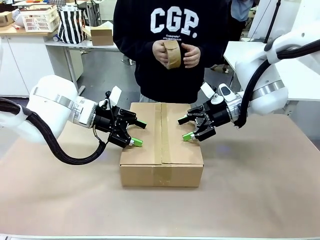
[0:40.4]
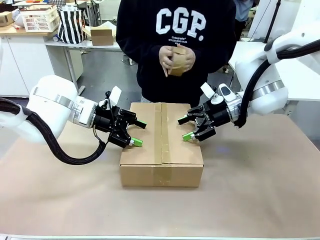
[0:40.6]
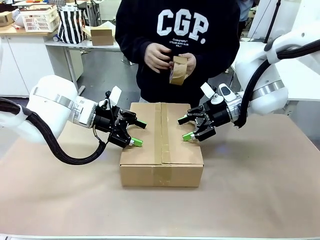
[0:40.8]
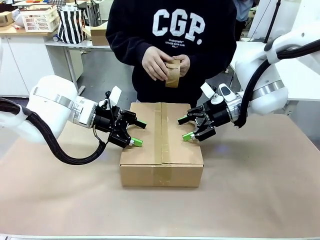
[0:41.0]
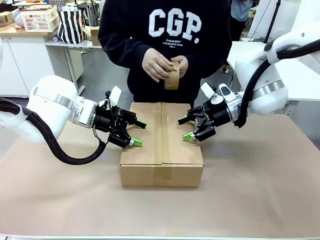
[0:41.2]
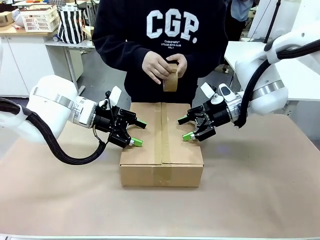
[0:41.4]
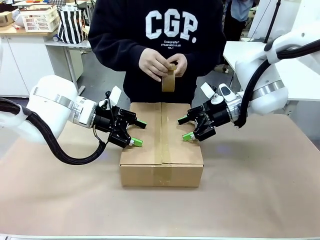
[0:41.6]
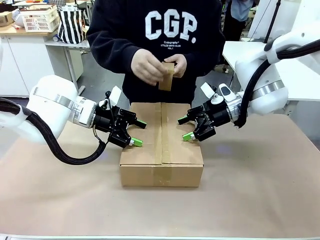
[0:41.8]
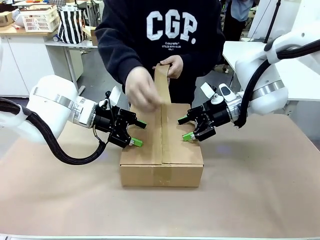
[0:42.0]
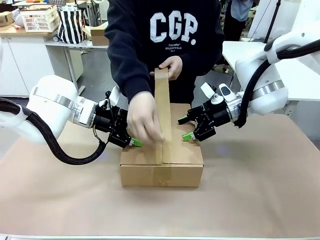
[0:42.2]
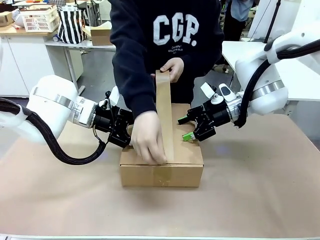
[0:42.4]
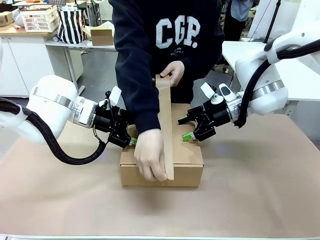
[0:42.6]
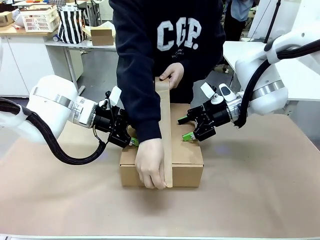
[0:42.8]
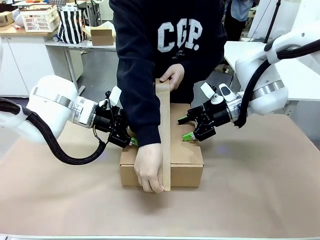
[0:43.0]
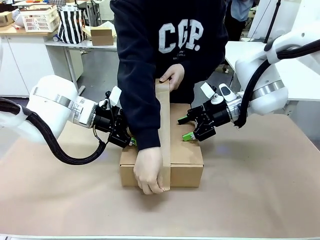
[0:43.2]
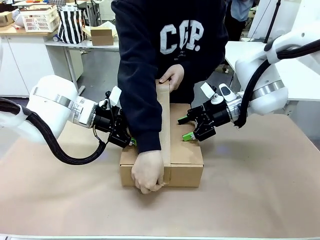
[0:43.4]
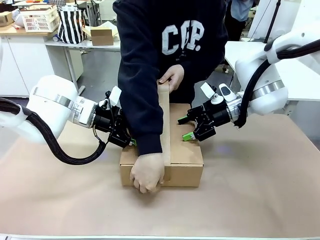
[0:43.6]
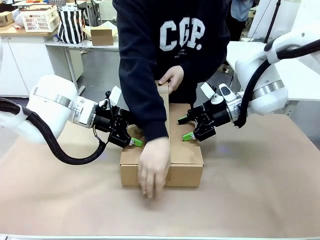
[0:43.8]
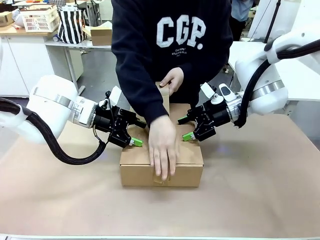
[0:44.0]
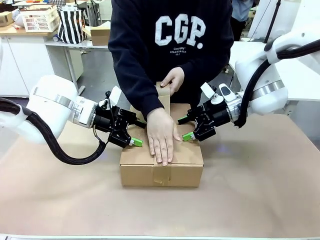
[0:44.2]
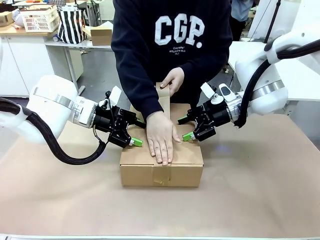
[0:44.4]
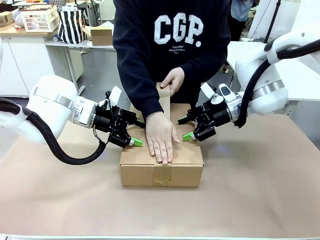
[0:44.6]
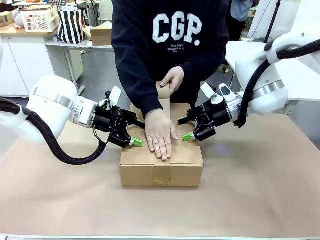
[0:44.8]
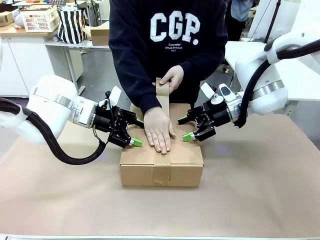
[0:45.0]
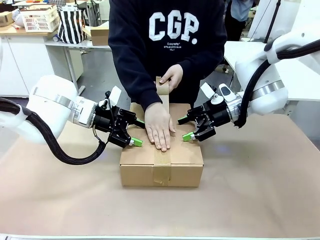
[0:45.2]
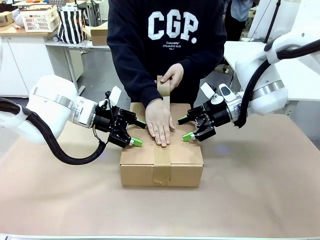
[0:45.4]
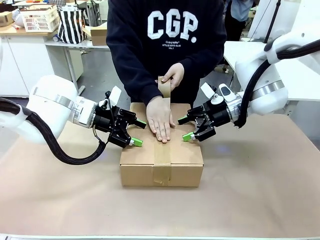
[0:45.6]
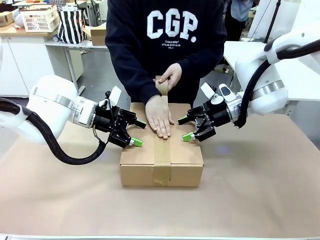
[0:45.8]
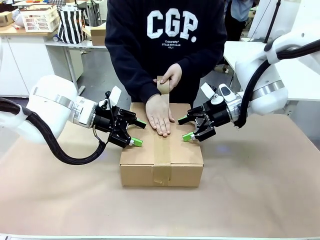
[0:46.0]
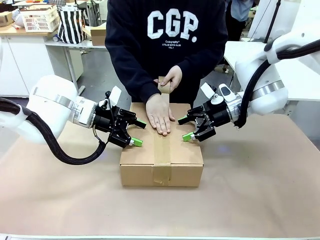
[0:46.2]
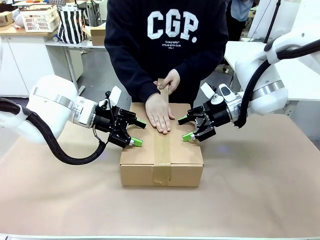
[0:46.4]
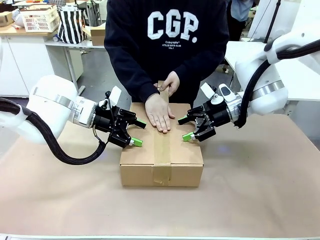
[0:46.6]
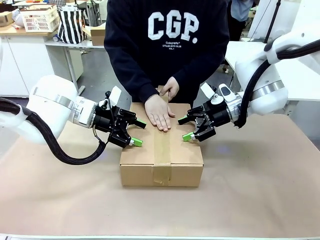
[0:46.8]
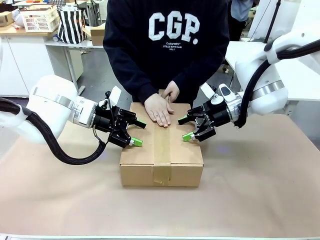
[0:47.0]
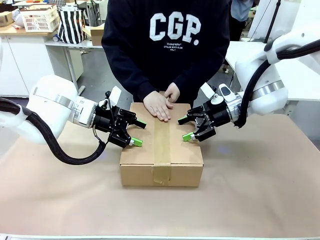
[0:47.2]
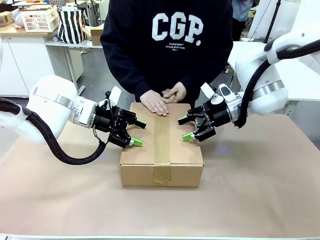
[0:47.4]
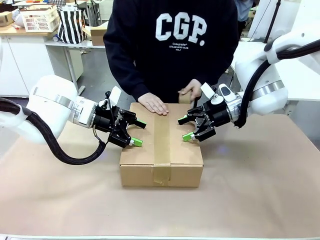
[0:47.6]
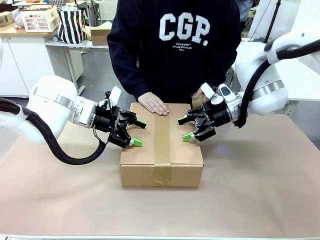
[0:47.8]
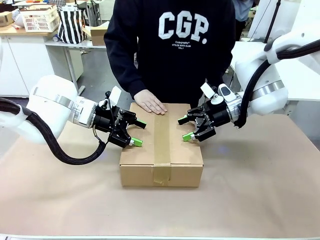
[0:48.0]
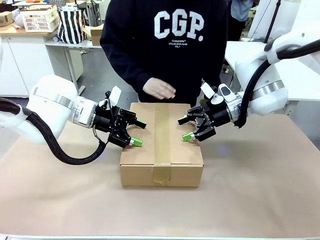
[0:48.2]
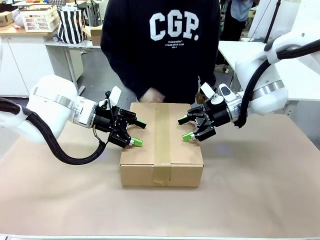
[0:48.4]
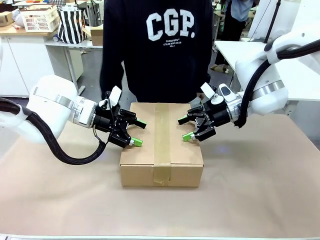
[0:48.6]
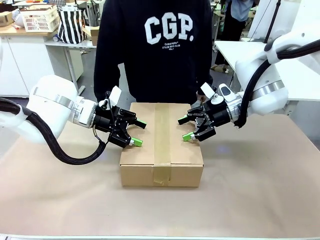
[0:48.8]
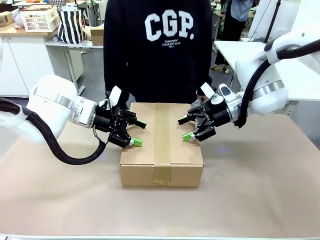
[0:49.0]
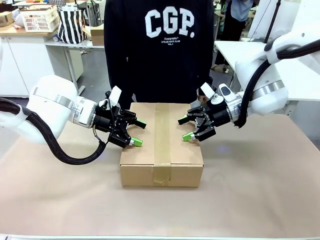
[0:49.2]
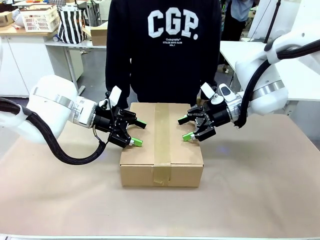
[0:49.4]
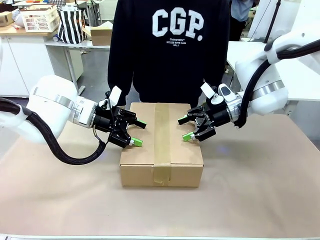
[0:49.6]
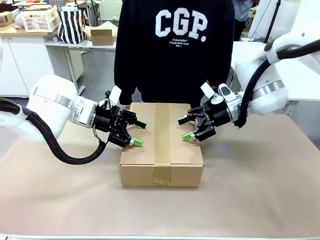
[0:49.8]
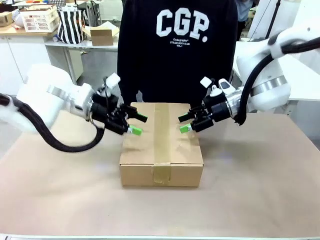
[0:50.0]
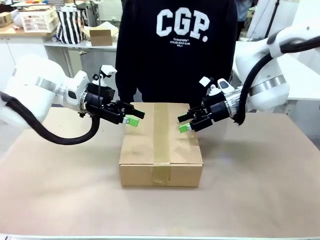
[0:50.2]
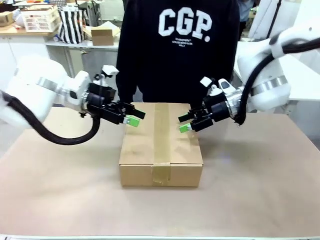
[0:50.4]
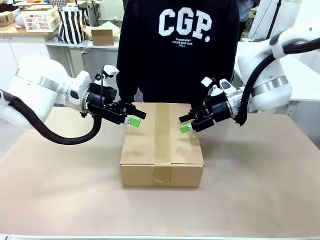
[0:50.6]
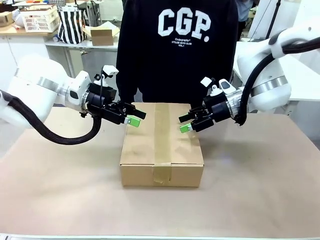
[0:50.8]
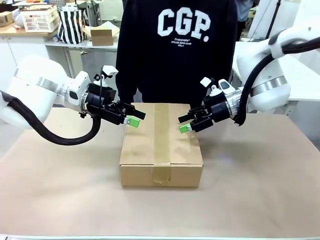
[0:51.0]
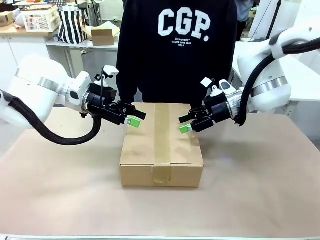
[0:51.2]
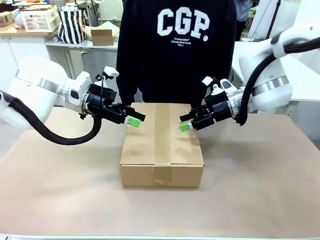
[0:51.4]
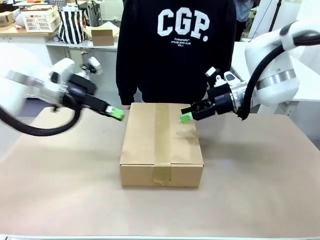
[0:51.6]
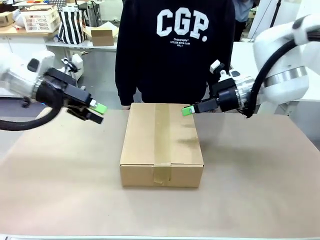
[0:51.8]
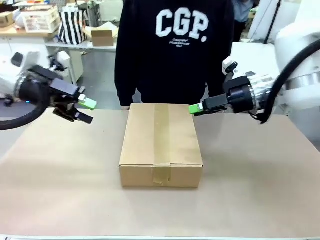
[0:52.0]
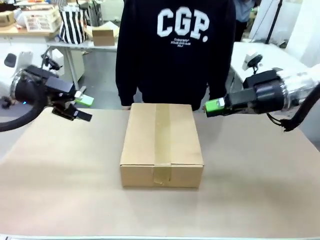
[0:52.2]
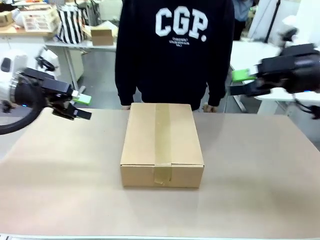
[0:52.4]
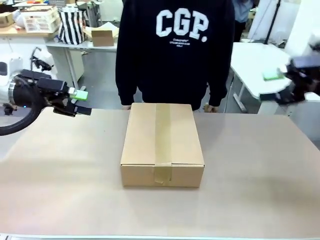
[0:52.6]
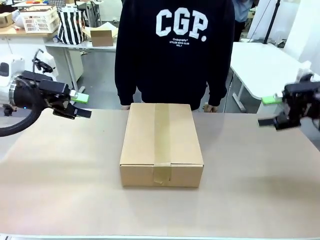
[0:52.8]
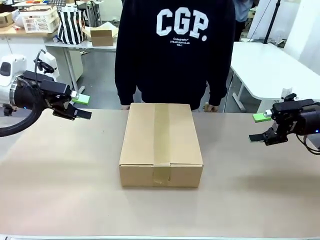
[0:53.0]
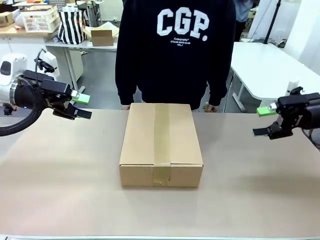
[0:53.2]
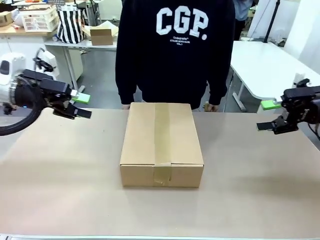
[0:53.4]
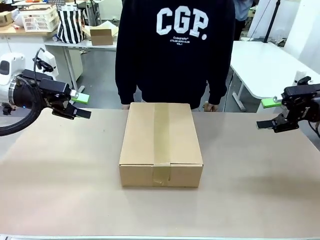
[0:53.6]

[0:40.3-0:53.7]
Task: Pack the gift set into the box.
Robot: Press and hold the closed box until the human finishes sealing it.
Person: The human picks up the paper tape from the human table and packs the box.
